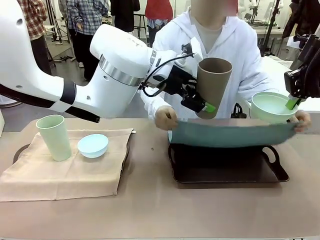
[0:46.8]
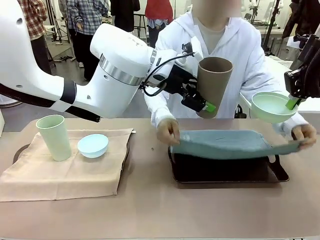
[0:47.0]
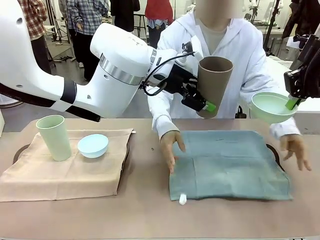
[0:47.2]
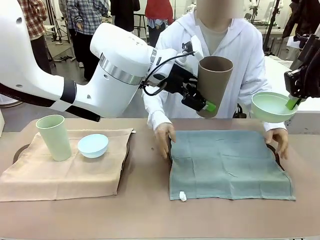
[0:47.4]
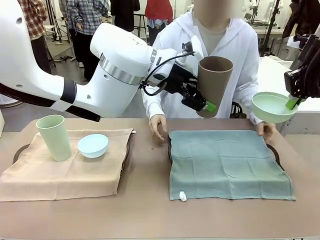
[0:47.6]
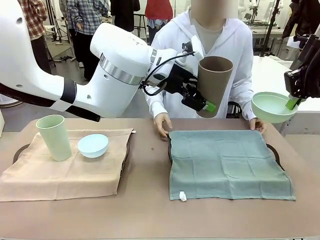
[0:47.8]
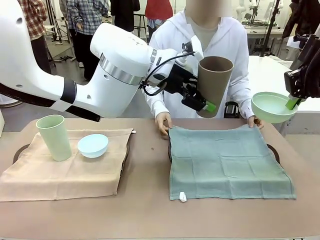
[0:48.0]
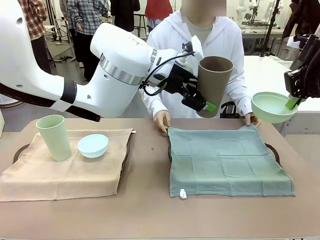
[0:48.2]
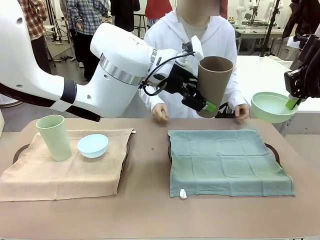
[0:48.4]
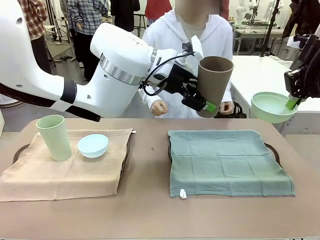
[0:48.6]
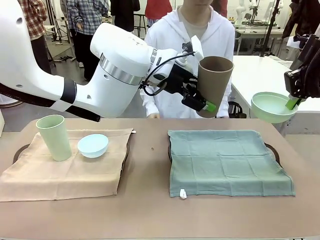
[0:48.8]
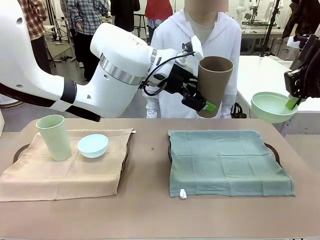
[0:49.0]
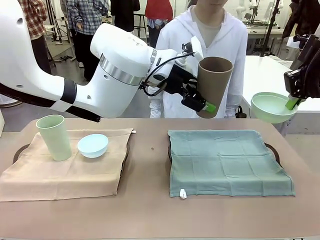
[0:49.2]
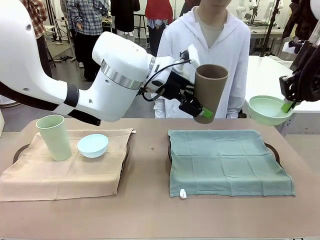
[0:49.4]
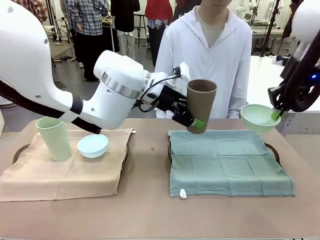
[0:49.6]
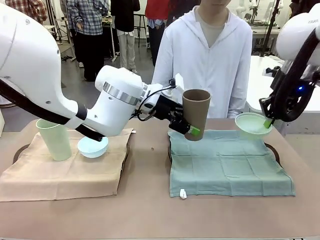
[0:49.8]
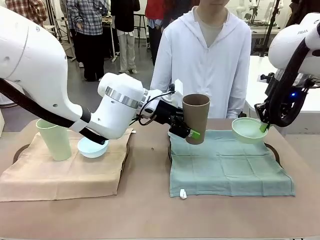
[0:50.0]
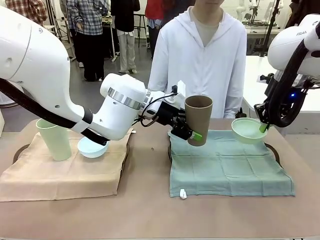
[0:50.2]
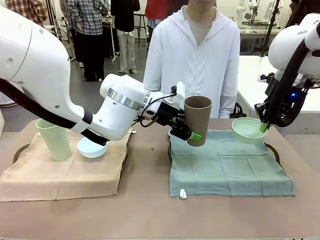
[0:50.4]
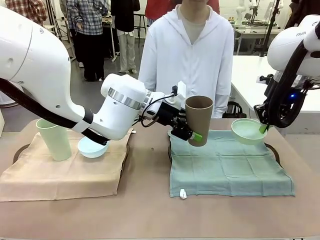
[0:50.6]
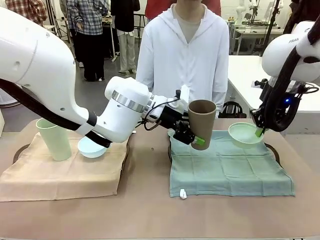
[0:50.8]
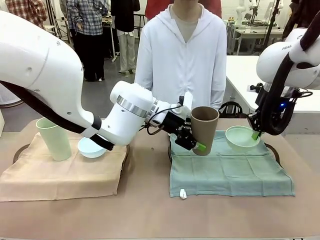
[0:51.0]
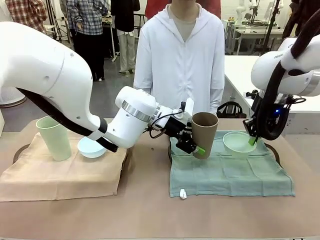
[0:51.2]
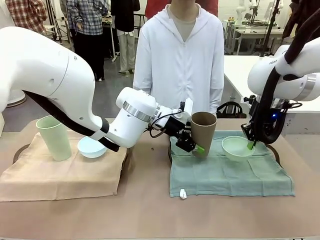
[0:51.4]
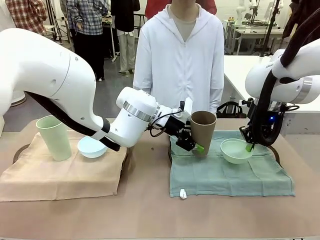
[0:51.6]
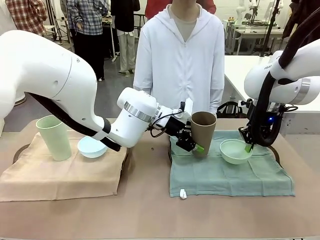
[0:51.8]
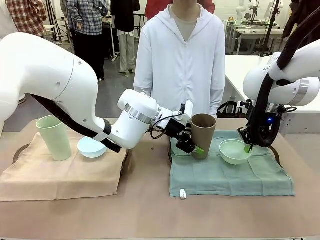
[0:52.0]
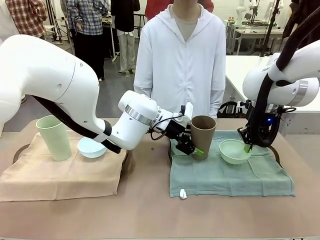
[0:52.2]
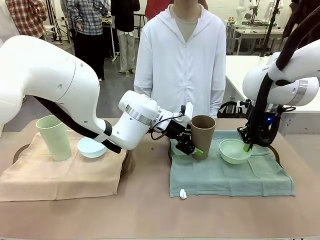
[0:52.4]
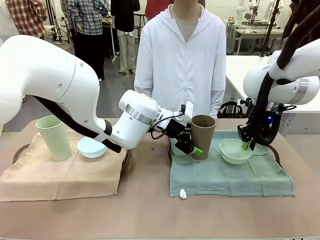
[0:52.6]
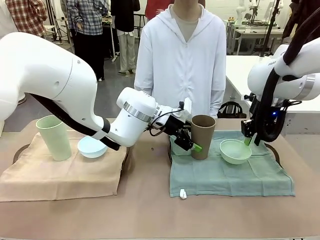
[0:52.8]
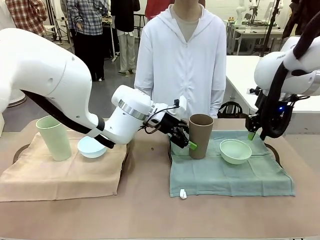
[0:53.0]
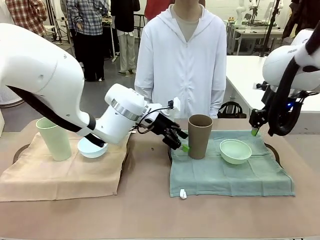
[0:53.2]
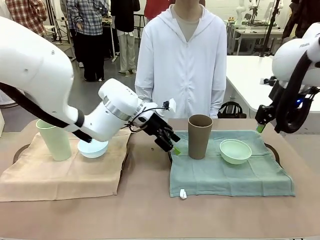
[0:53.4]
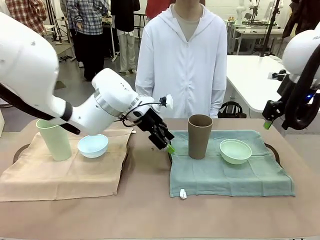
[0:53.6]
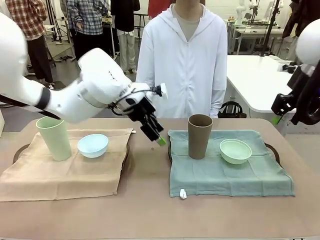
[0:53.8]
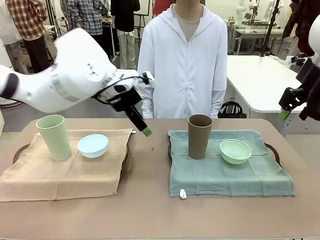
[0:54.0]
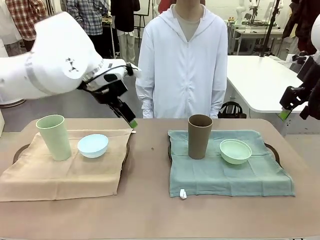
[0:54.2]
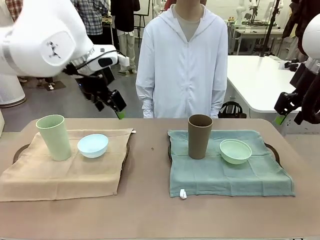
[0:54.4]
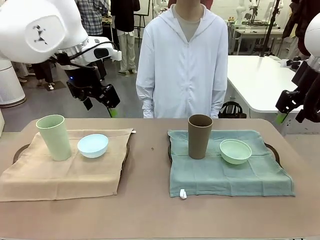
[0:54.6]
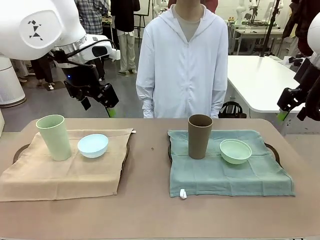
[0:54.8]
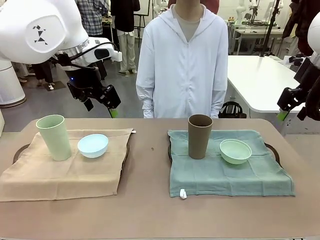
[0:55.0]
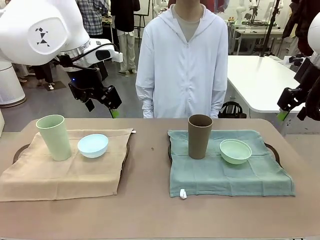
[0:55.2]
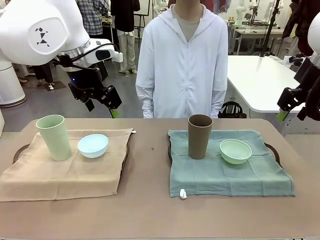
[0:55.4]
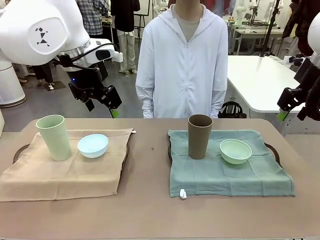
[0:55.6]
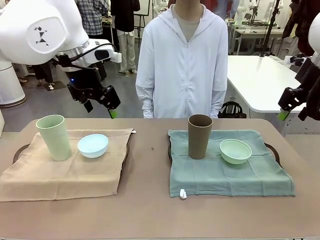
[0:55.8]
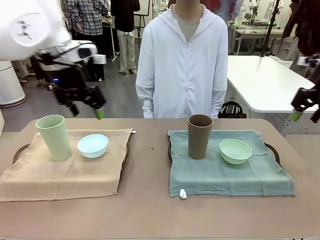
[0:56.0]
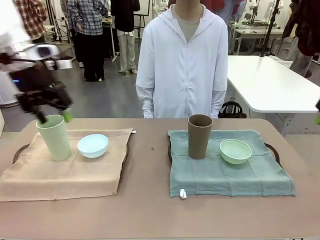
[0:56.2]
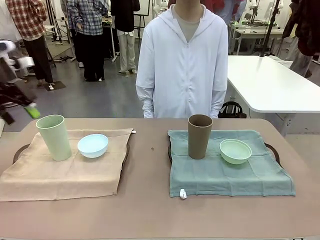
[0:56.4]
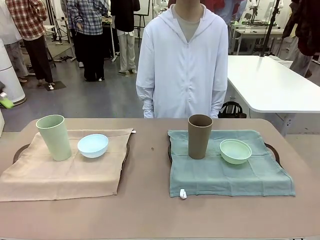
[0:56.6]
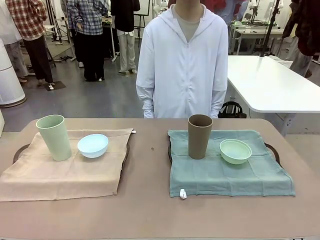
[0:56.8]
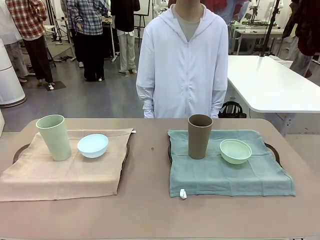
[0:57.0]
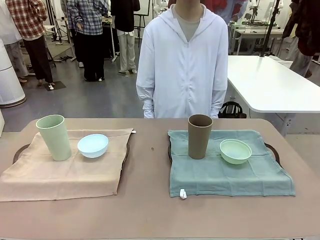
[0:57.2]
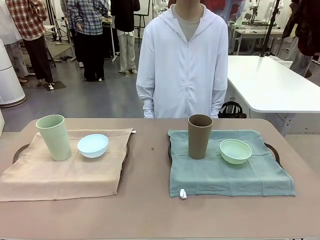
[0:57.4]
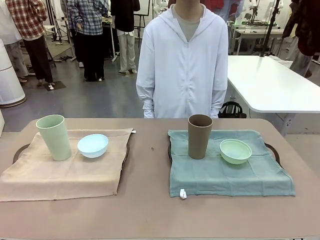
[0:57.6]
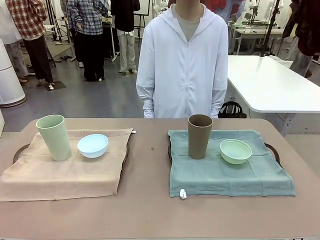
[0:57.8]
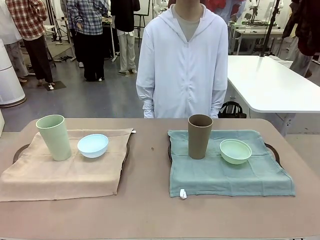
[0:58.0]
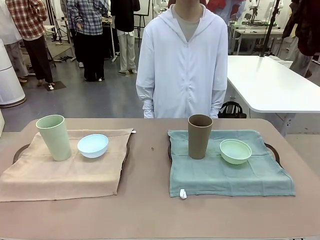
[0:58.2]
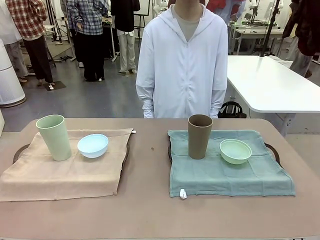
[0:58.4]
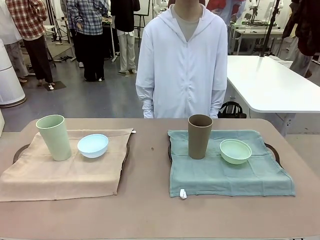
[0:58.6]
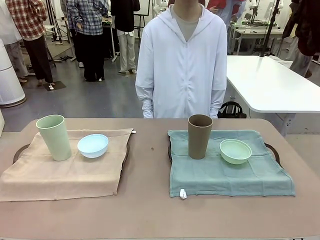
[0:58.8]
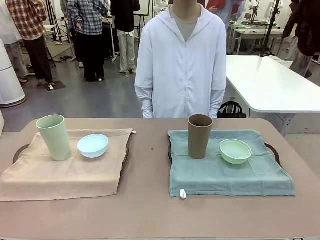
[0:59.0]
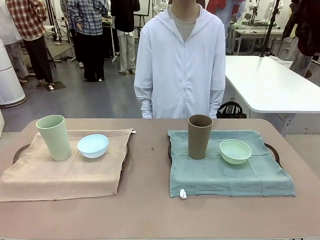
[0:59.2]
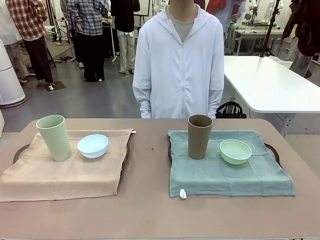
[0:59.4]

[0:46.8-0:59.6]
Robot: Place the Picnic Bowl and Reusable plastic cup back onto the Handle tray in front of the human's position.
Person: When the robot lifts the bowl and the cup, the human unfolds the napkin and lays the napkin flat on the tray.

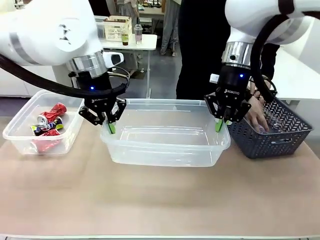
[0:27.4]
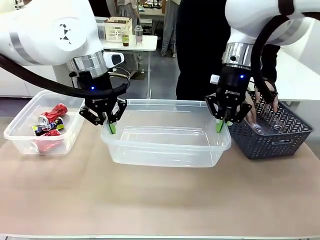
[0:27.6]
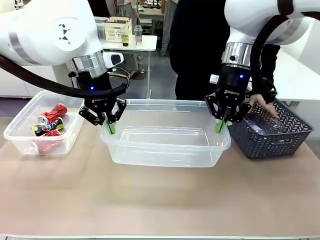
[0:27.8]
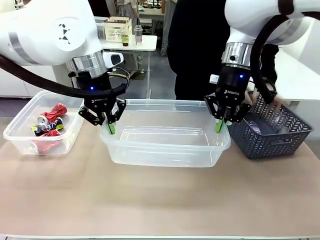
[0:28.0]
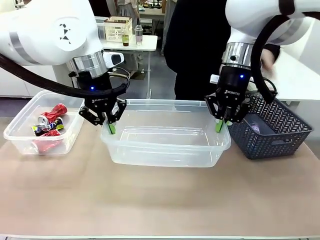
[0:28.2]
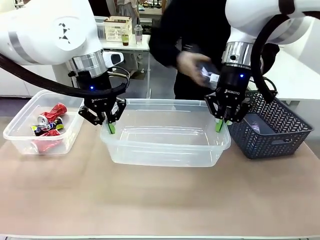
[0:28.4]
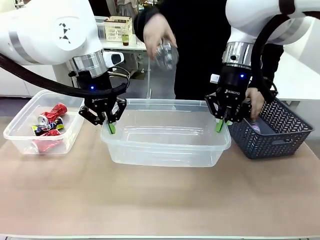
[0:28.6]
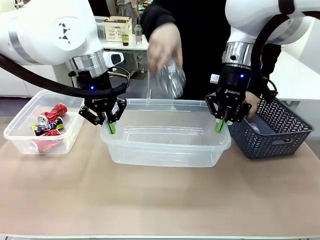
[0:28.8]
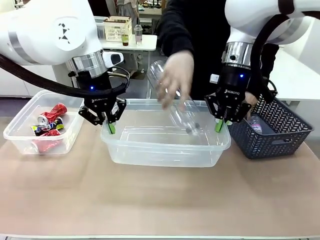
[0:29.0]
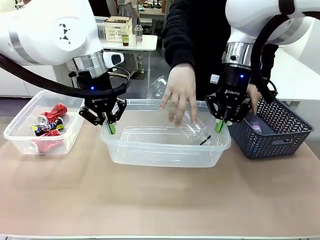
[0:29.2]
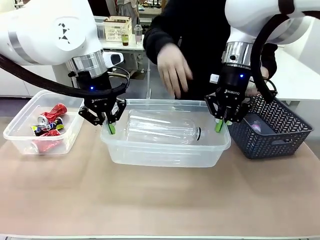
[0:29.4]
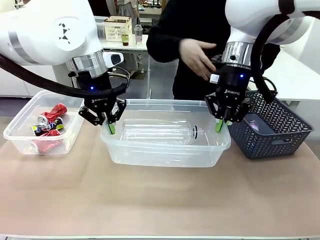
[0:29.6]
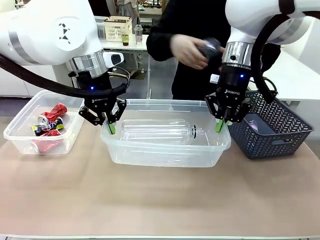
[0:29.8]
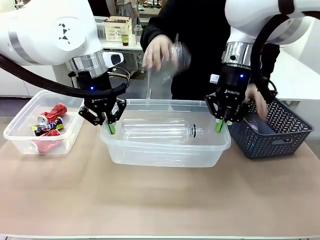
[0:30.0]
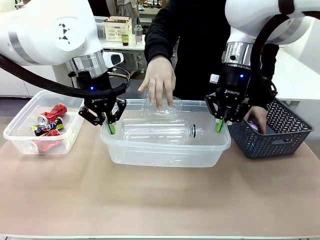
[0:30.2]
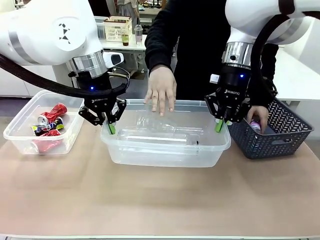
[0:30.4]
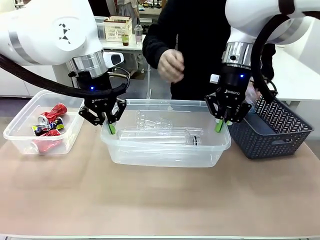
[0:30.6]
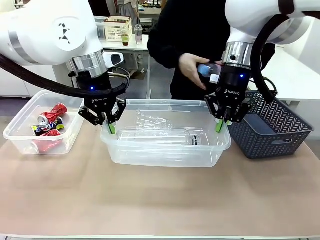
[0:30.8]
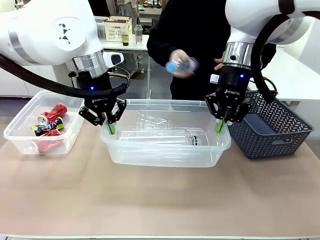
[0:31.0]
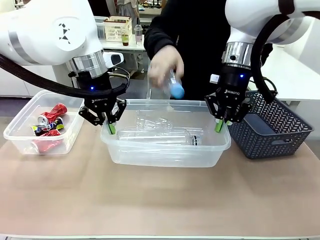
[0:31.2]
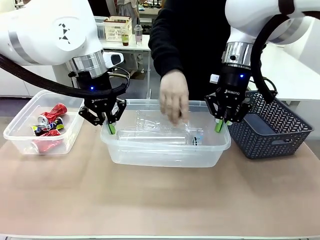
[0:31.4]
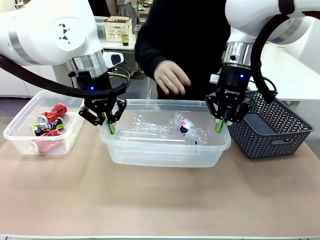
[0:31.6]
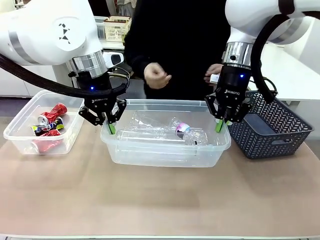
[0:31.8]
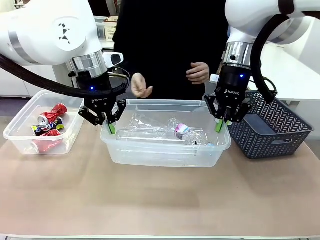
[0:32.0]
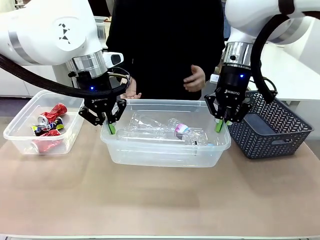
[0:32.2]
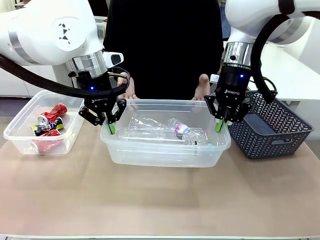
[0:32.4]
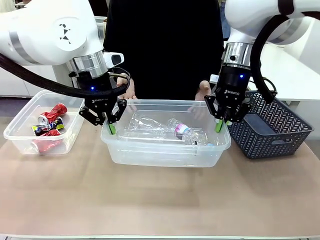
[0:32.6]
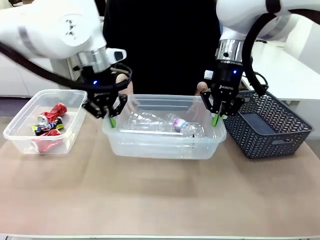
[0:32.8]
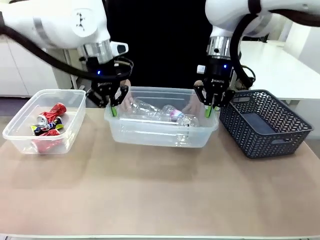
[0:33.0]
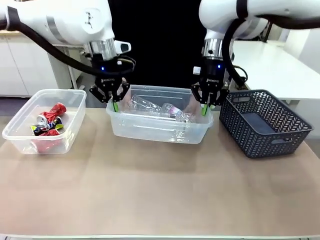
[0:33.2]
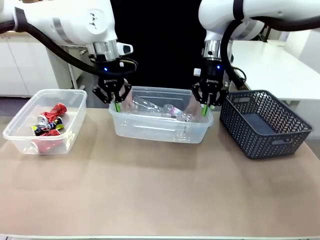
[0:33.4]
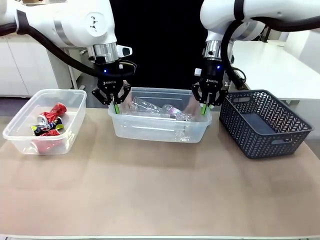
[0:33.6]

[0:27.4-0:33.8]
Robot: Offer the picked Organizing box to the human.
Person: Pick up plastic waste one by one and place it into the organizing box lifted by the robot. Pick up the organizing box extended by the robot.

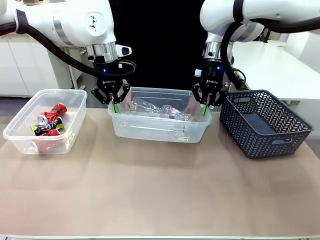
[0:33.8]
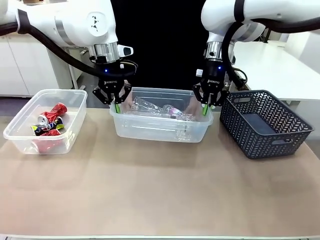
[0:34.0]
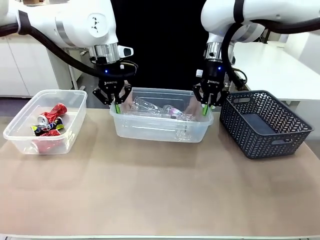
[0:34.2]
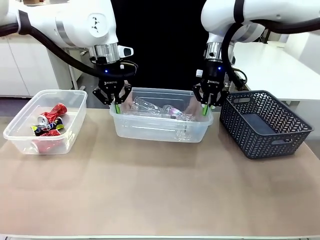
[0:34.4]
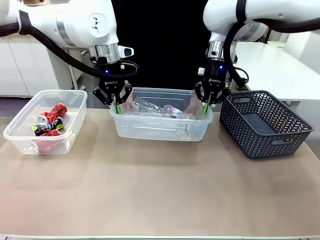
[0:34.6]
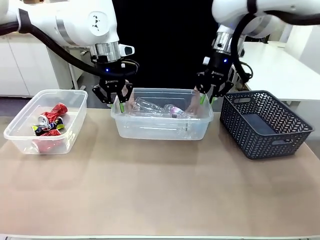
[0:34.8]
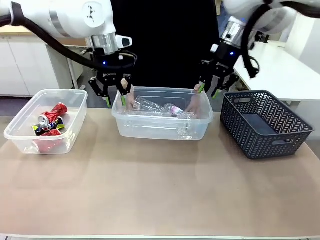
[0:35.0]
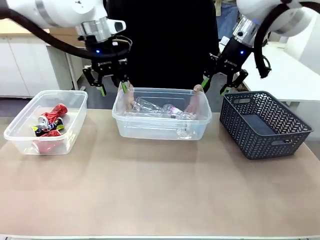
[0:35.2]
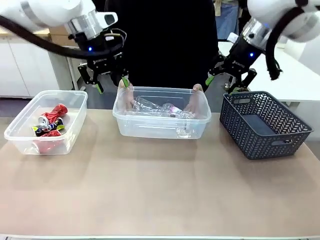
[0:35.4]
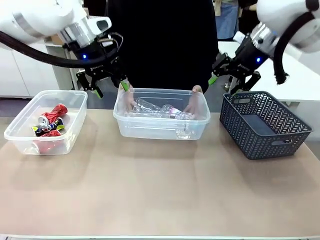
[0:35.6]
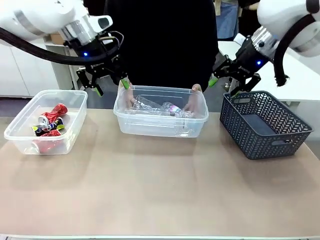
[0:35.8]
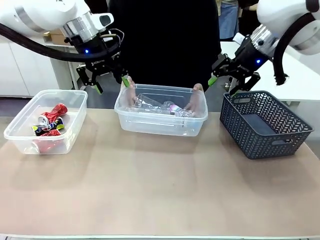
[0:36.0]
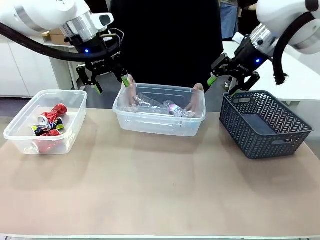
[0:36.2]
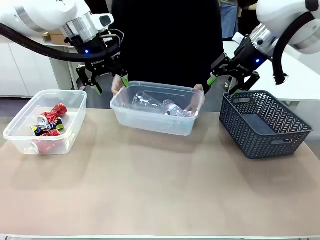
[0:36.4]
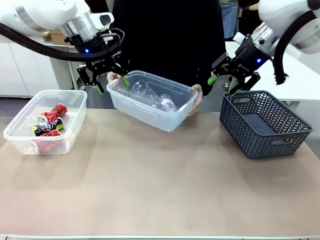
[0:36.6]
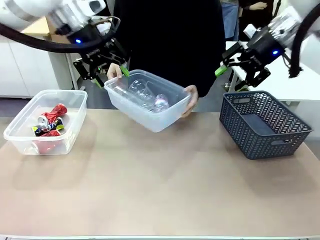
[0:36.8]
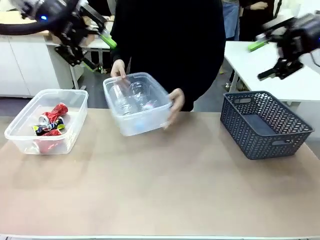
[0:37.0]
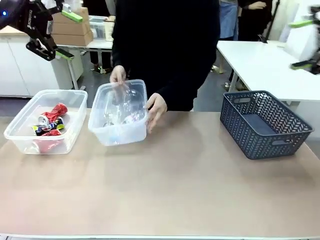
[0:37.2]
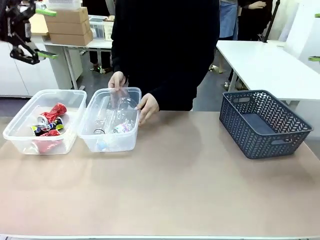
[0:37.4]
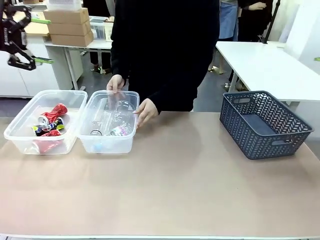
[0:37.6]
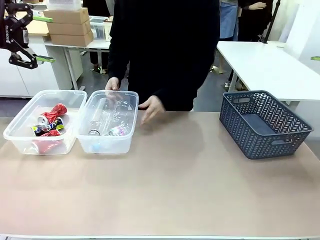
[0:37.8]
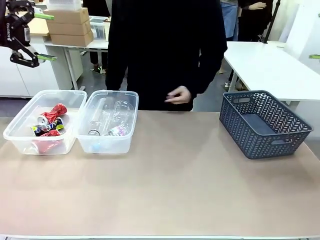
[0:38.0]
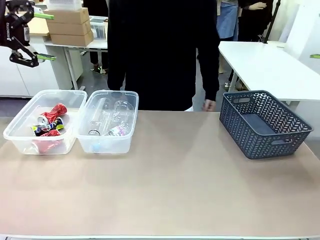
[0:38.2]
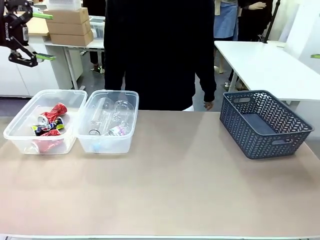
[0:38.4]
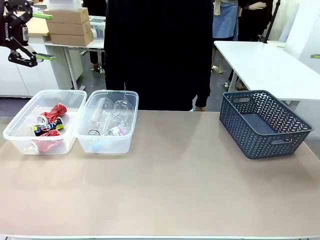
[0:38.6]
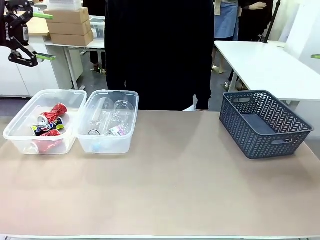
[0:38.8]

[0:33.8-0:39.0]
Robot: Release the Organizing box you were holding.
Person: Place the organizing box to the left of the sorting box containing the can waste.
